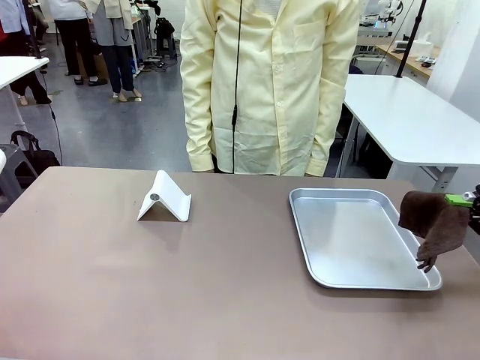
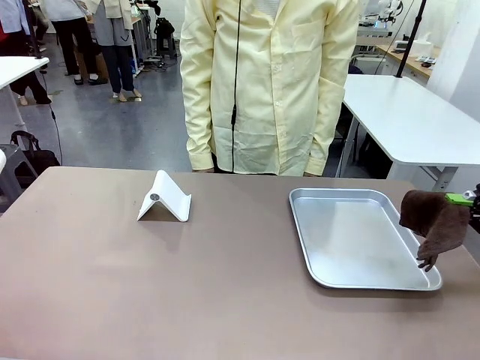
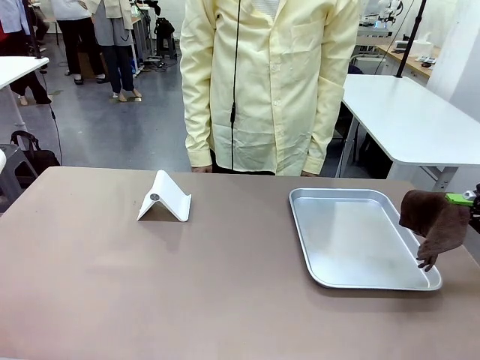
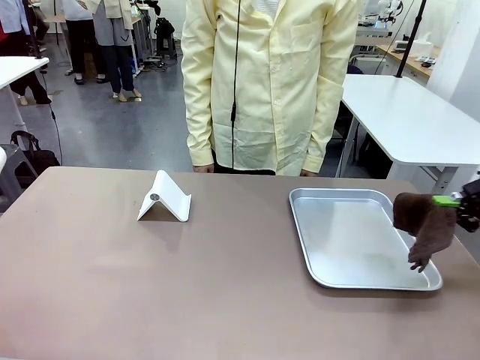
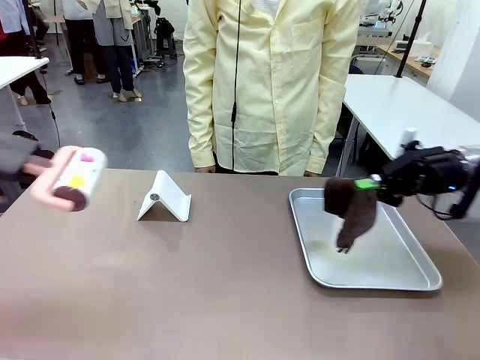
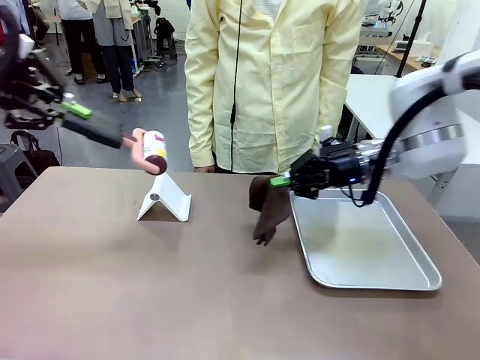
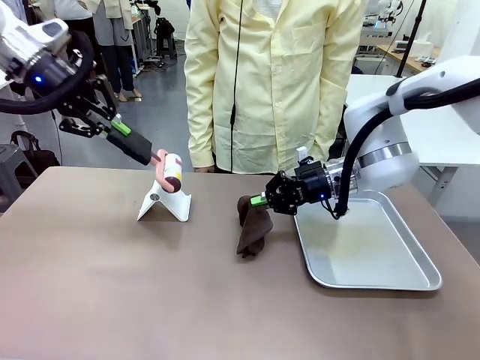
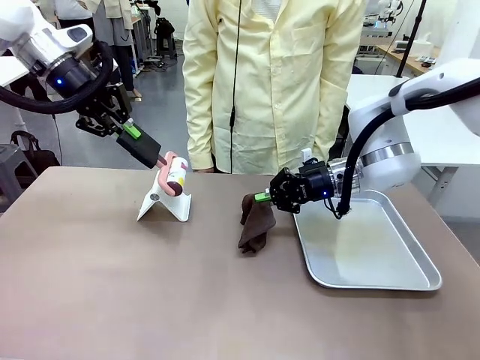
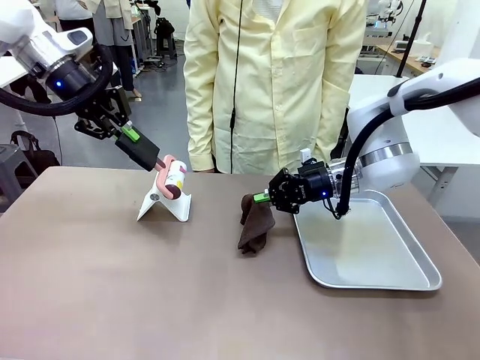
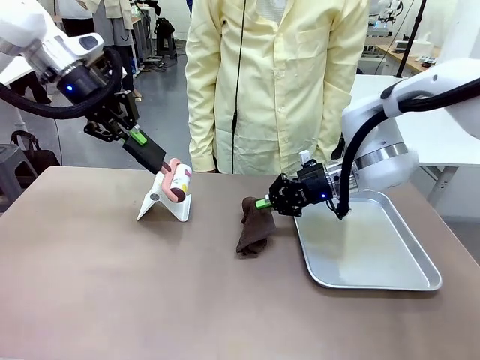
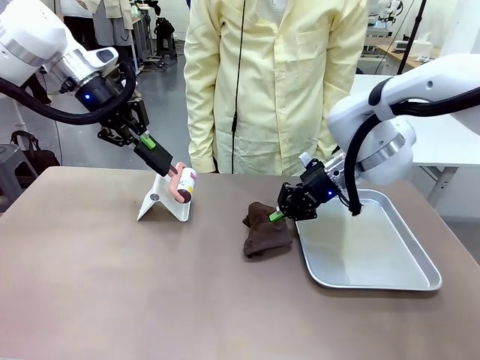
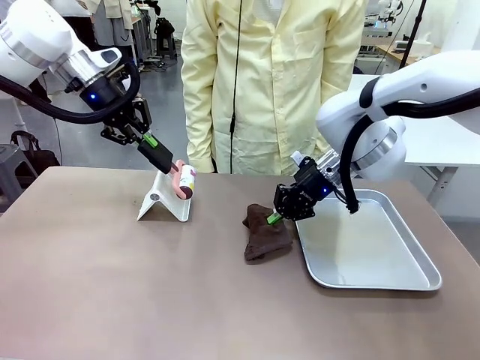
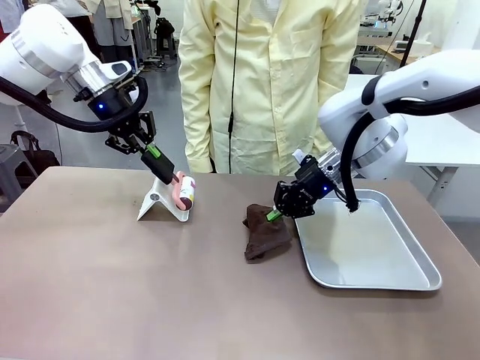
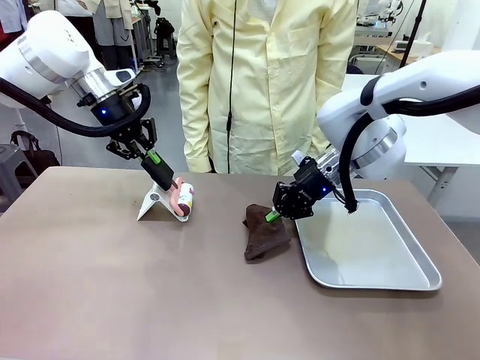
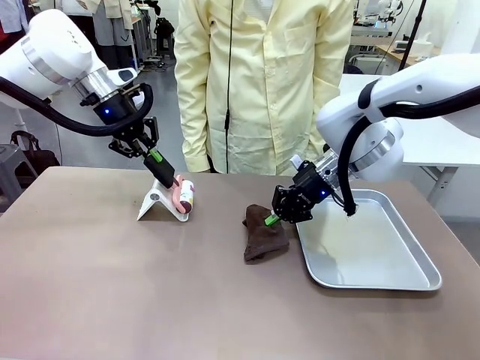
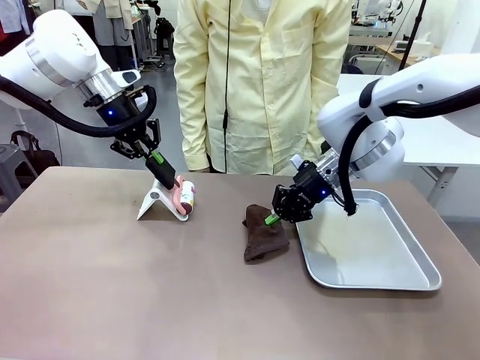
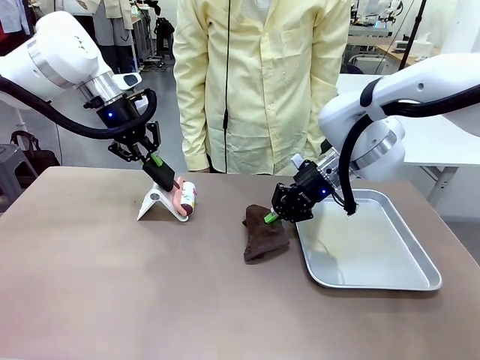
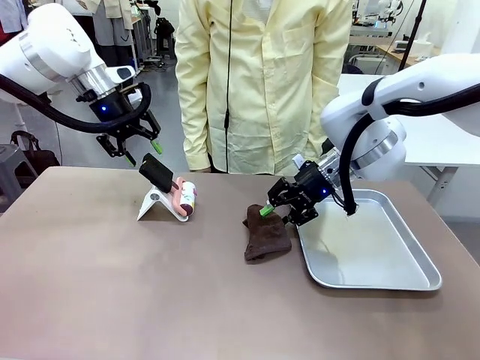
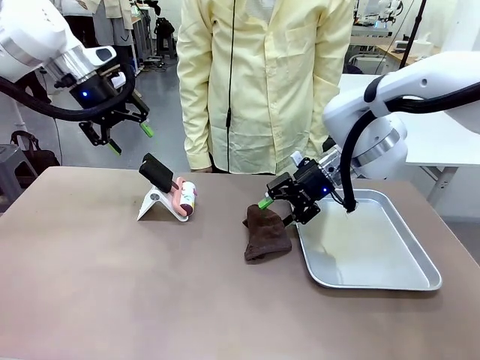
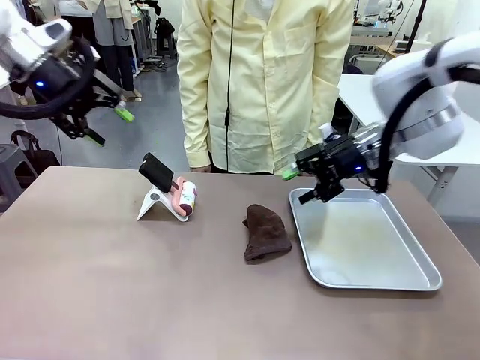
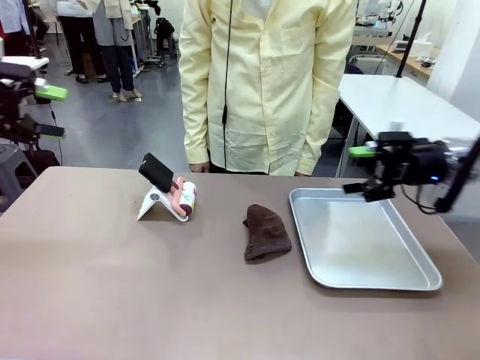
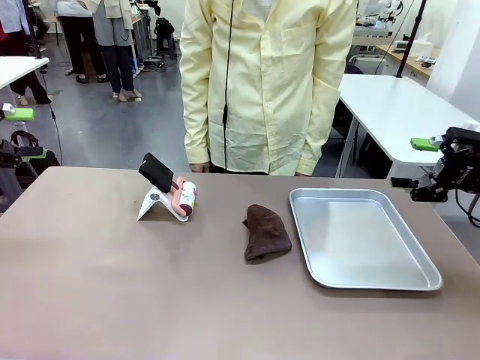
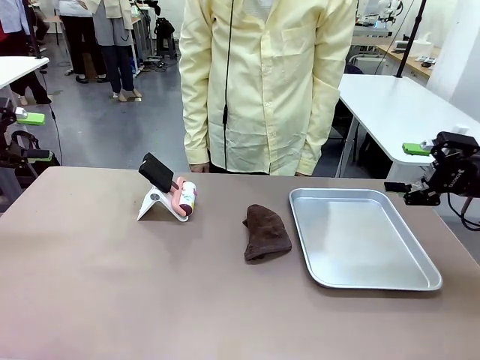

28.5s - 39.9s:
Task: Clean the surface of the table.
Robot: Return the Lint Roller and towel to their original positions.

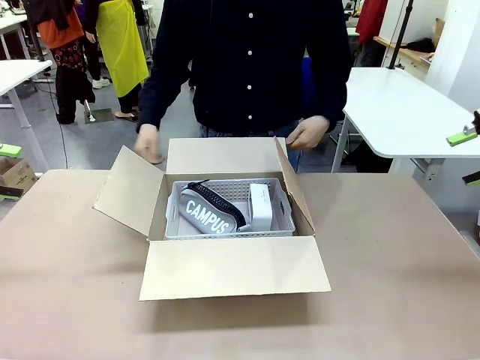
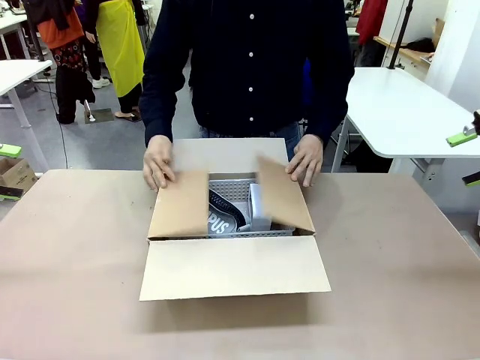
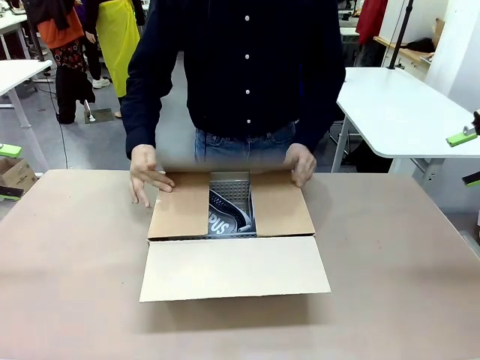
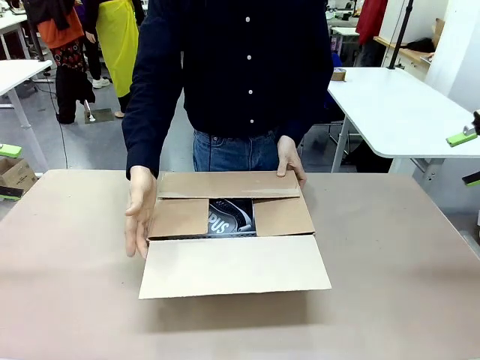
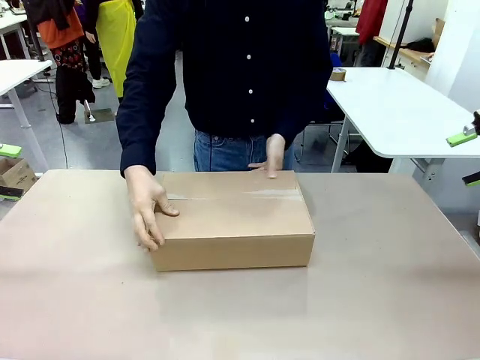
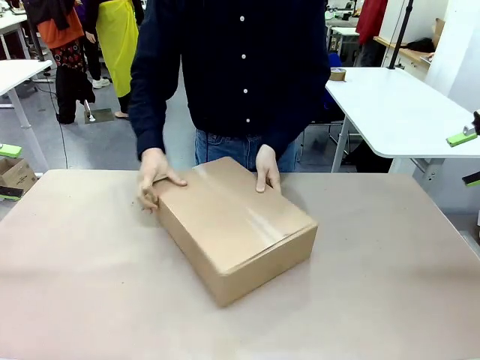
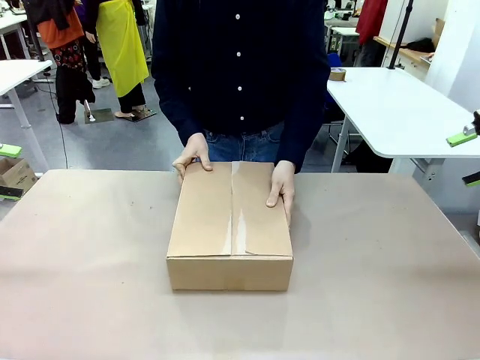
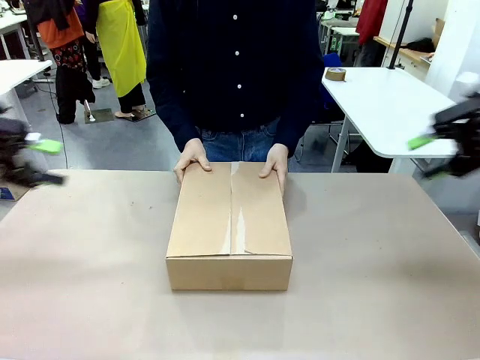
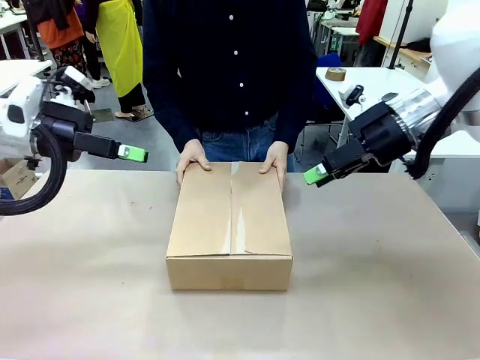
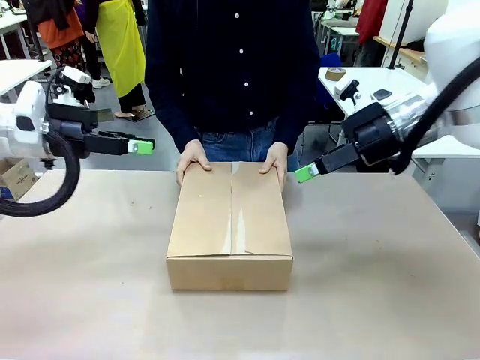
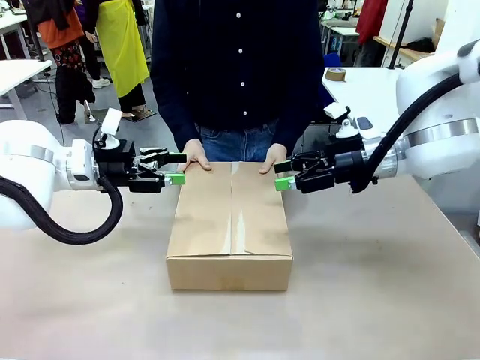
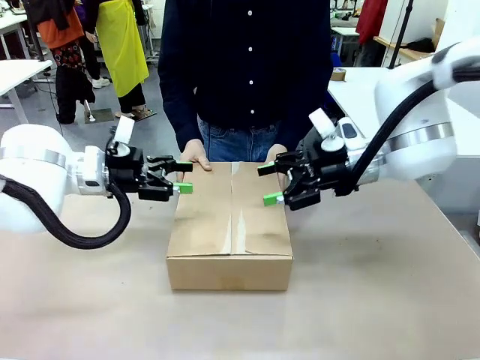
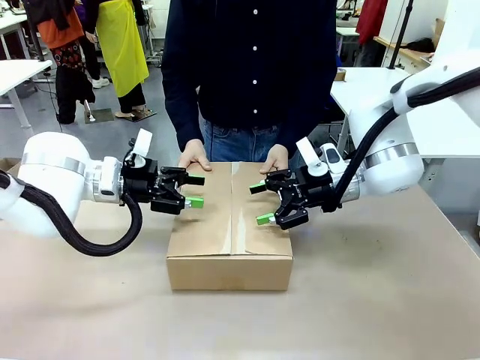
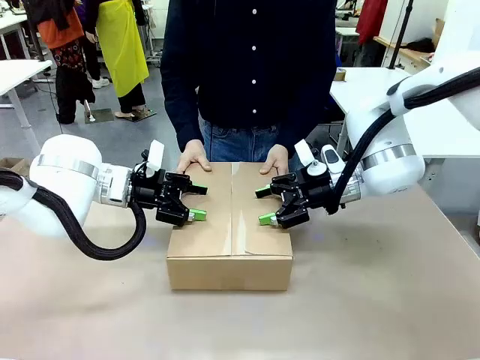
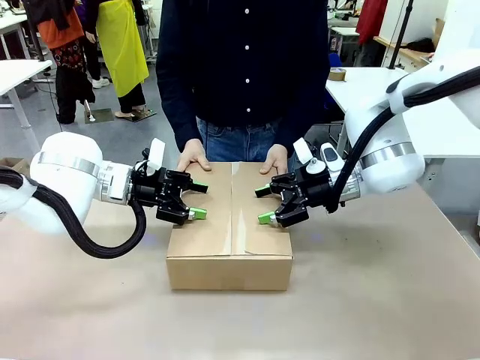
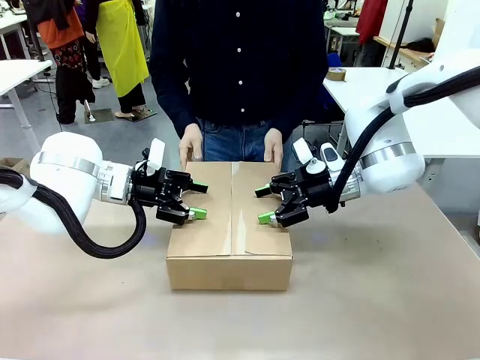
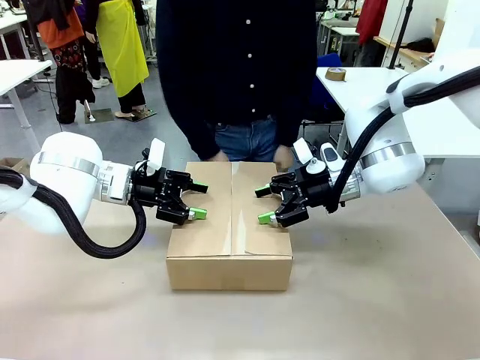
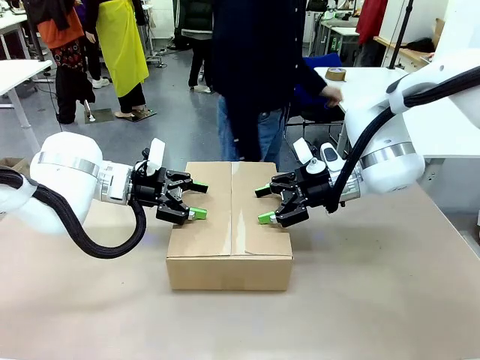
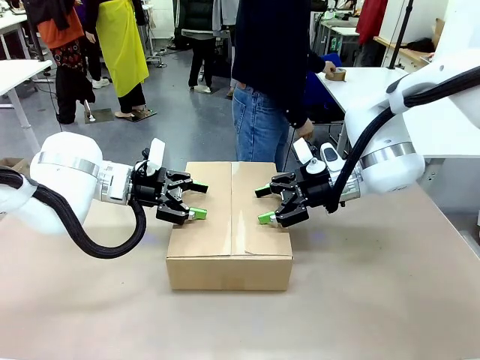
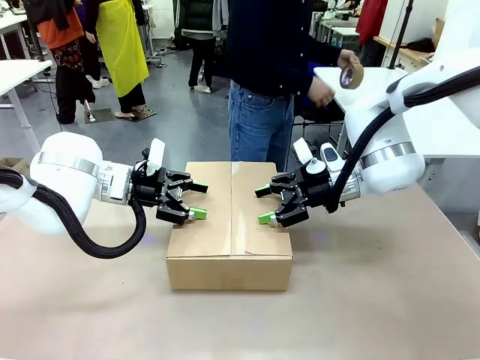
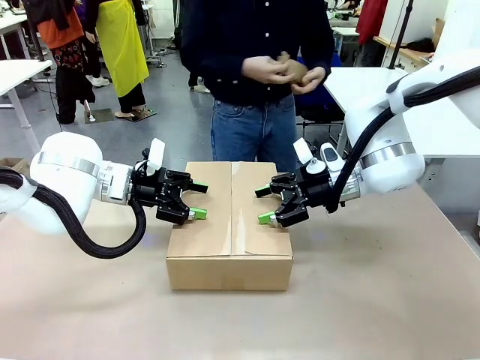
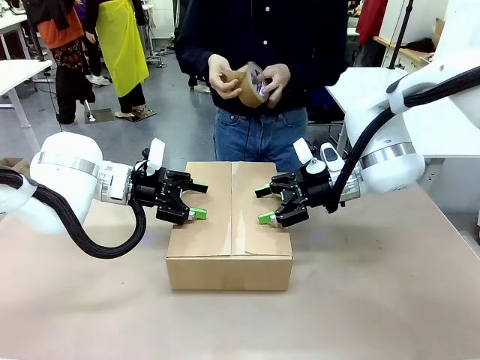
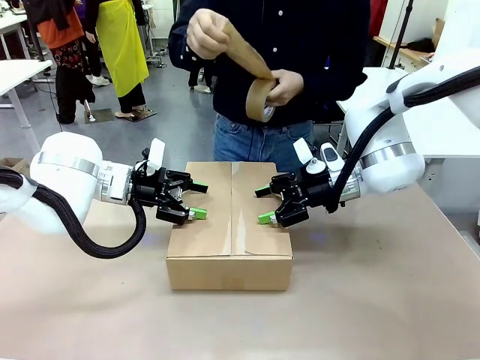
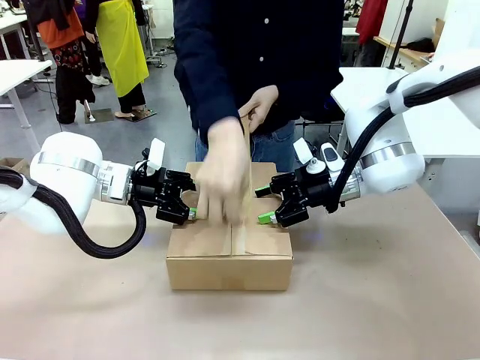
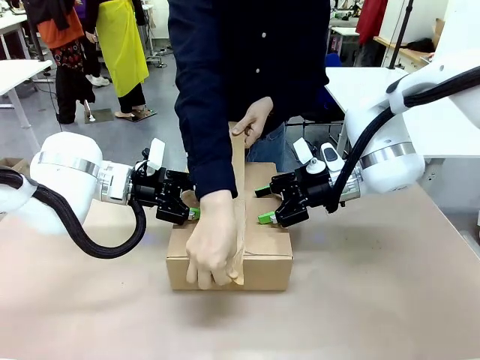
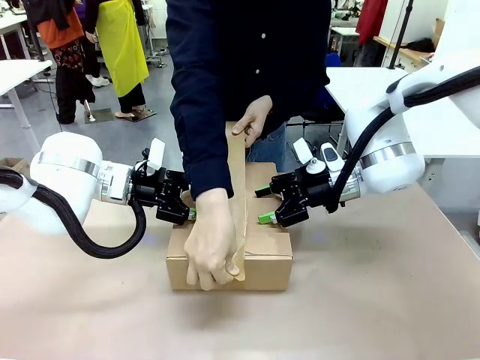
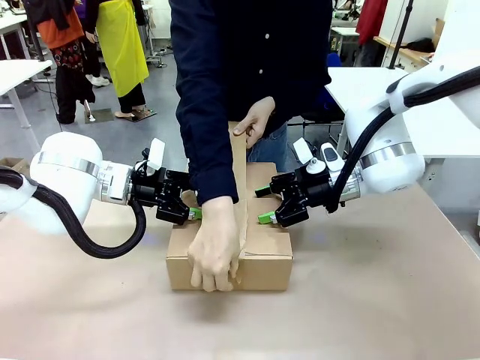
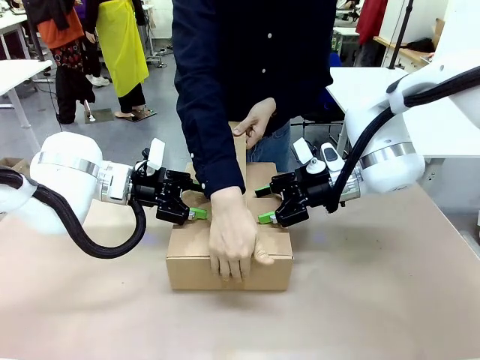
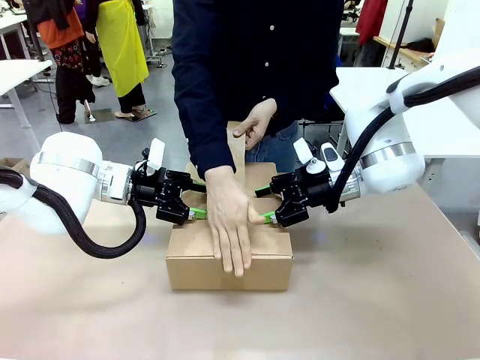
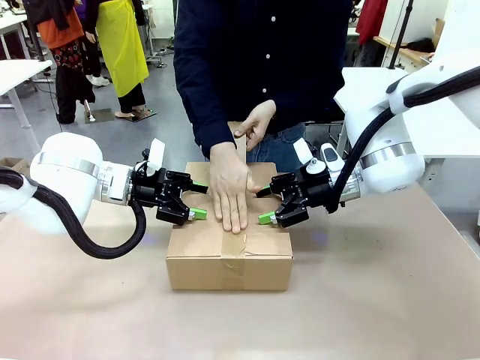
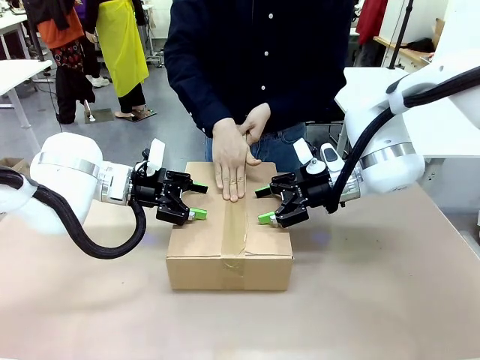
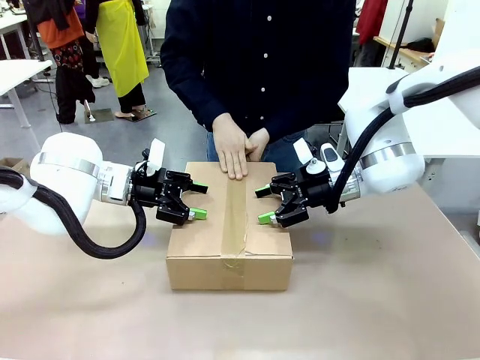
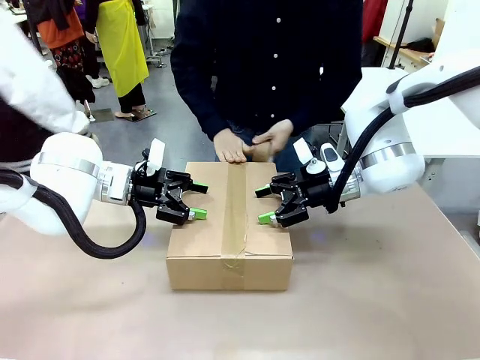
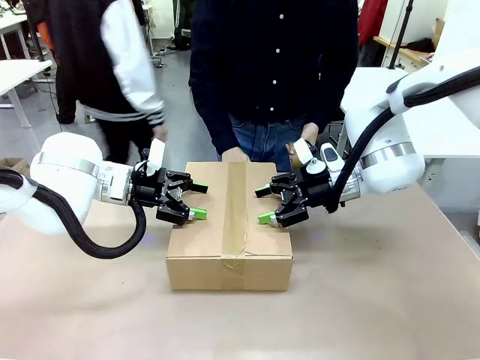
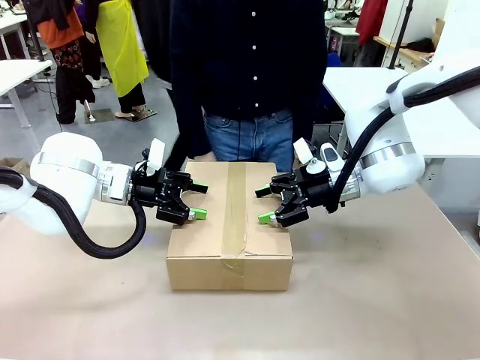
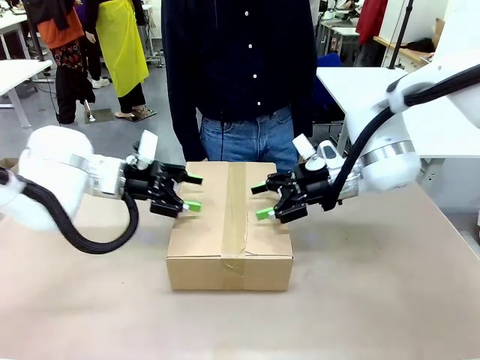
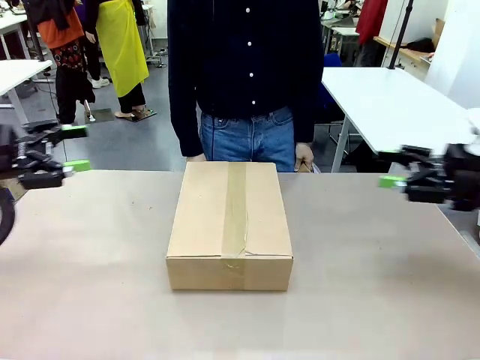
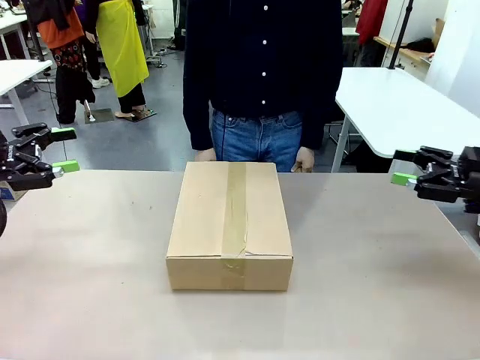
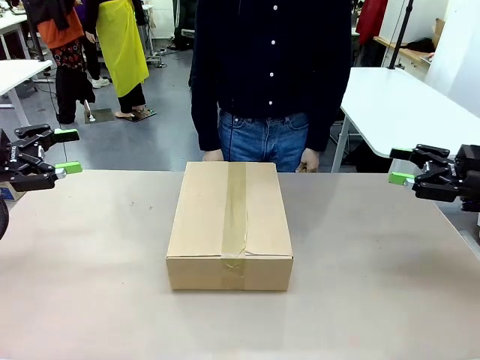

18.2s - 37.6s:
Task: Pack the gift set into the box.
Robot: Press and hold the closed box until the human finishes sealing it.
Person: The human closes the box and rotates the box by 90 degrees. The human picks up the paper tape from the human table and packs the box.
